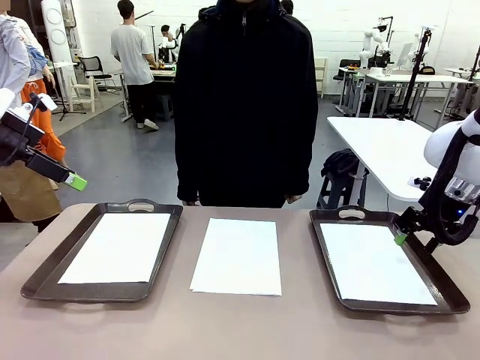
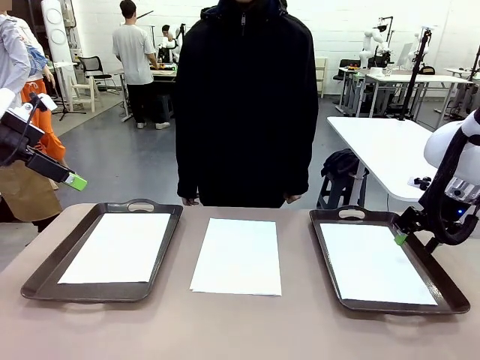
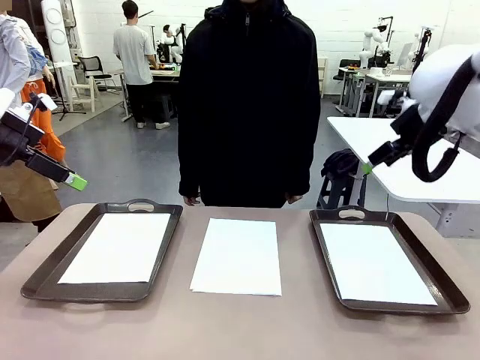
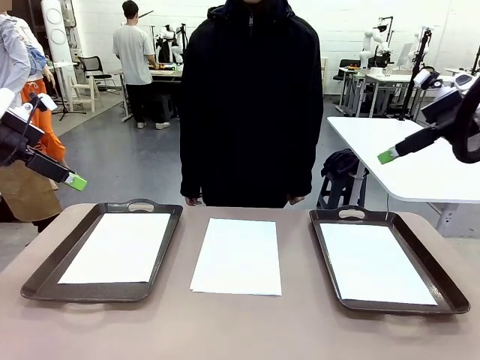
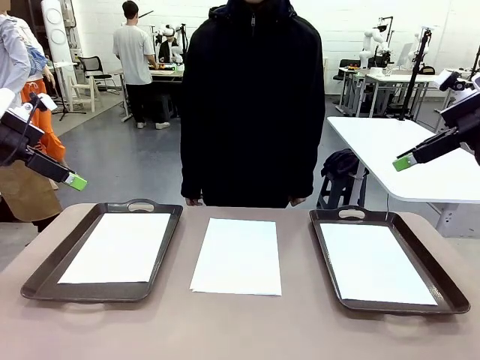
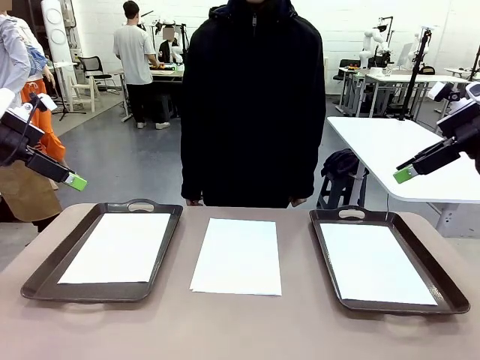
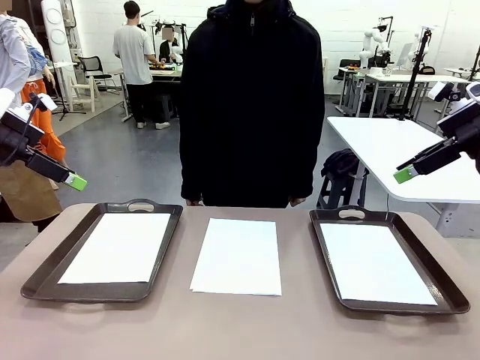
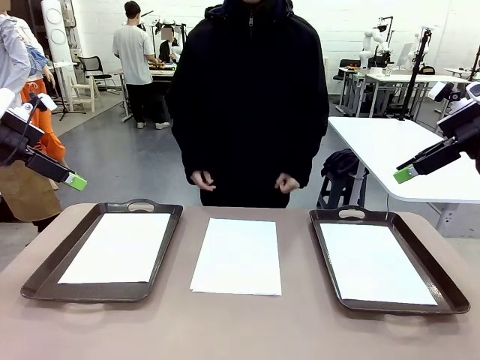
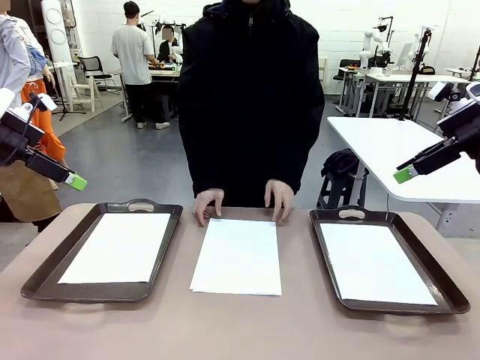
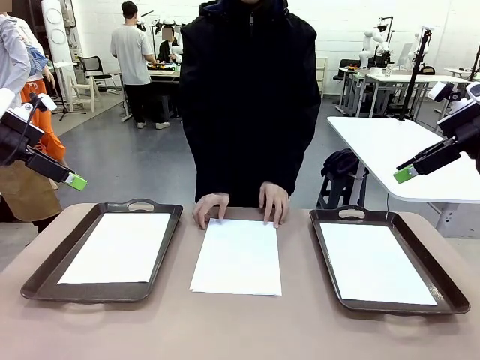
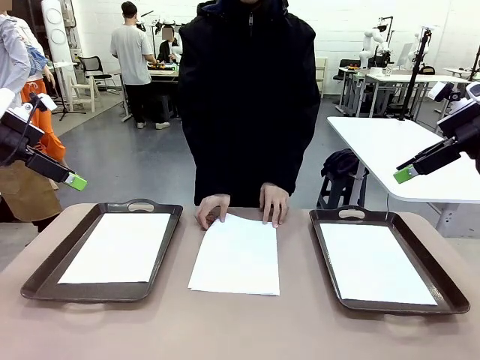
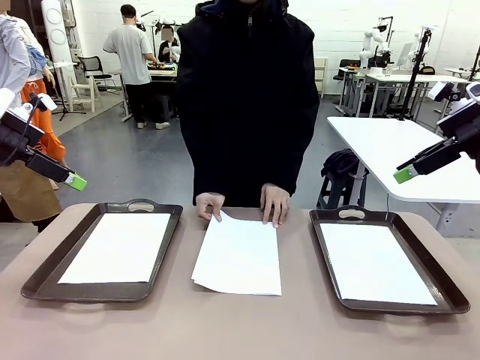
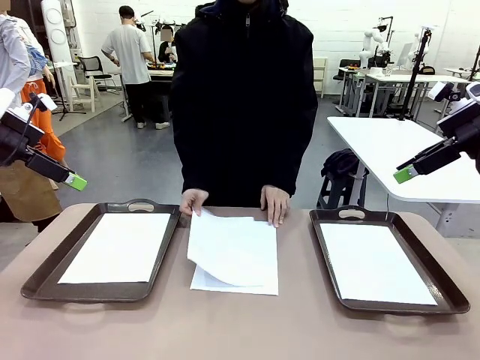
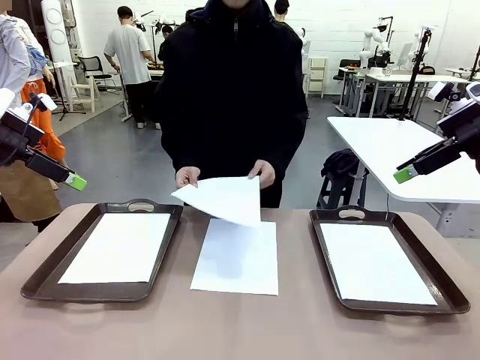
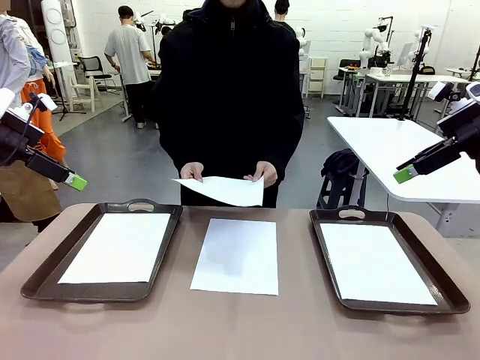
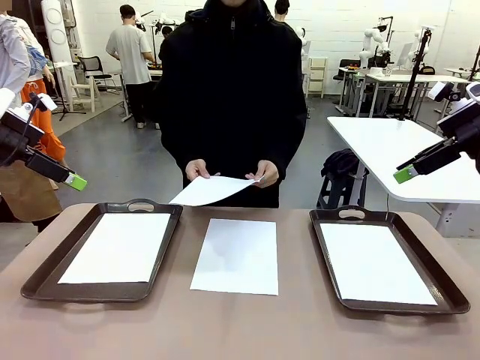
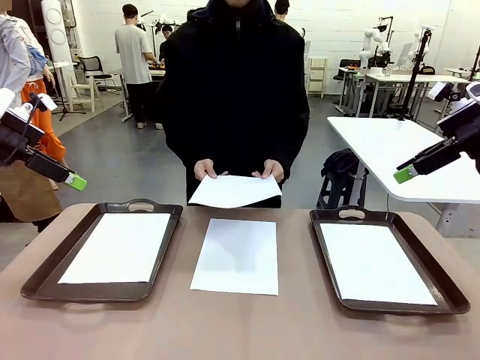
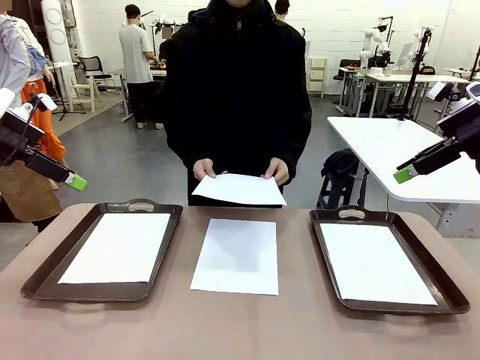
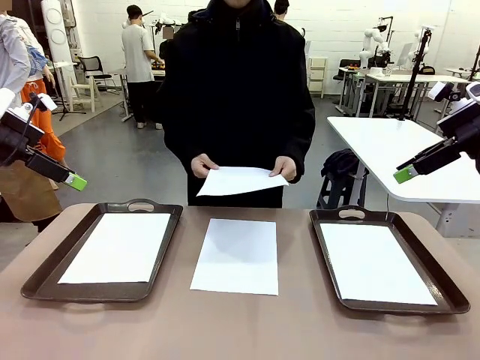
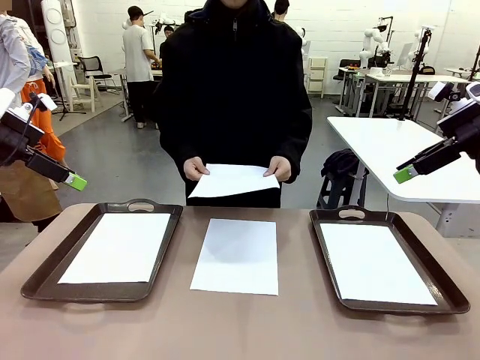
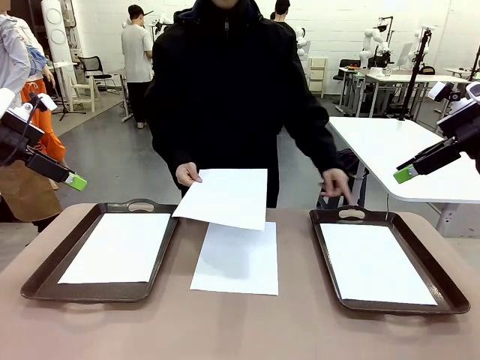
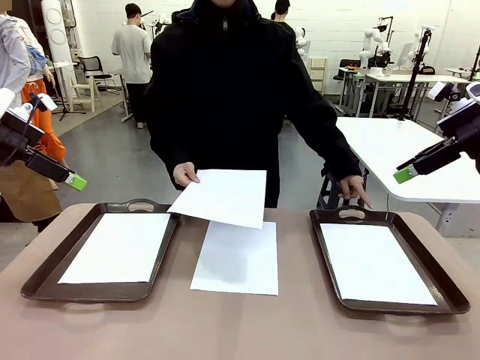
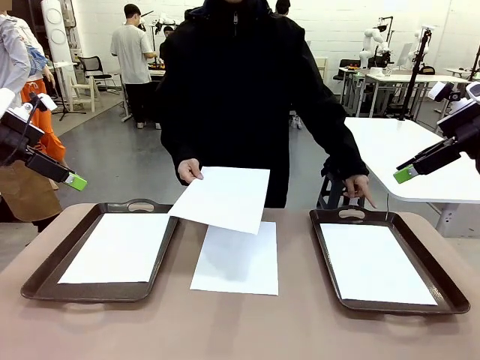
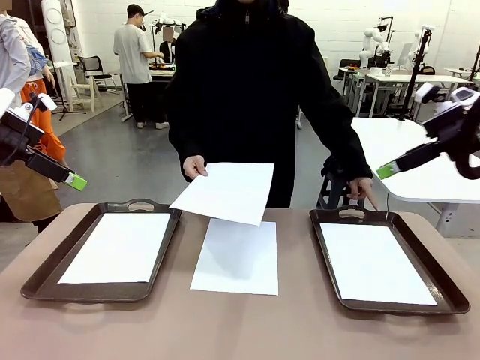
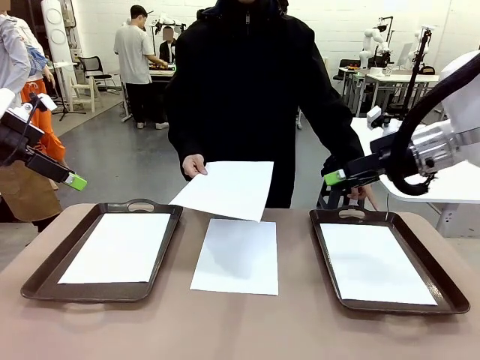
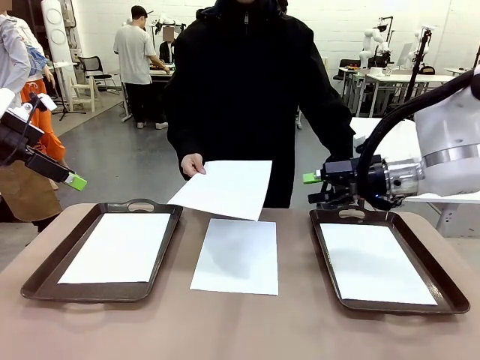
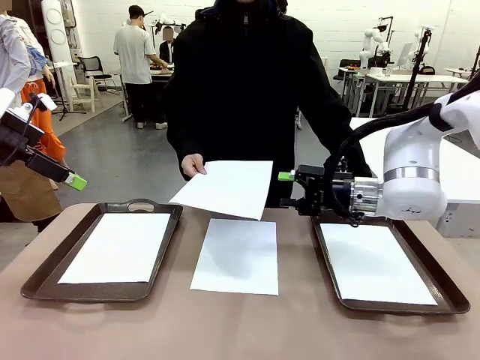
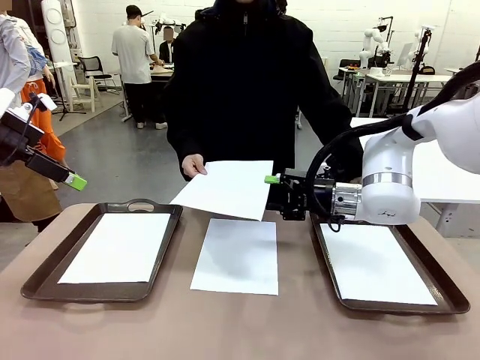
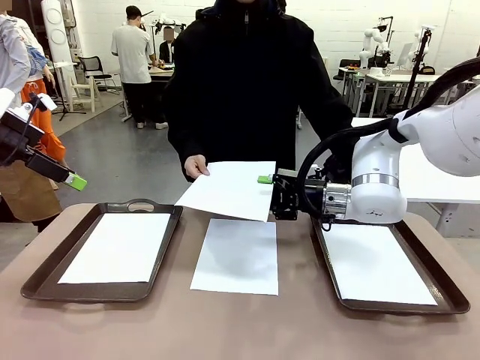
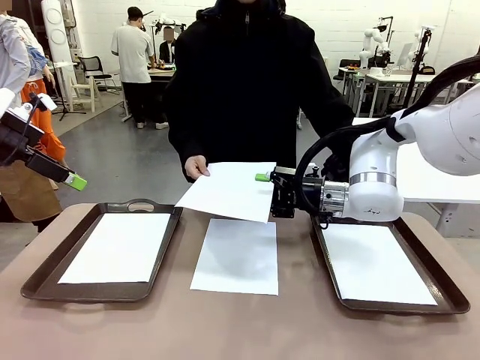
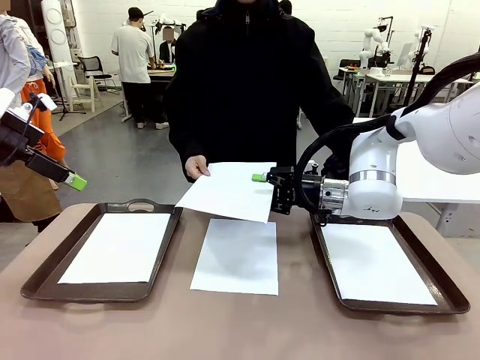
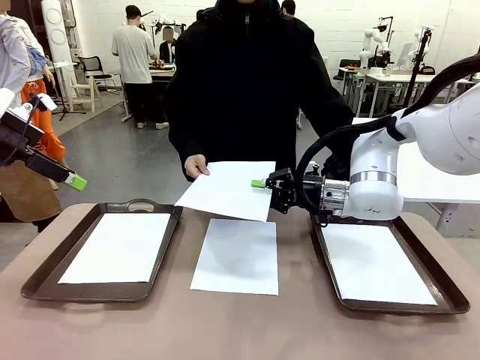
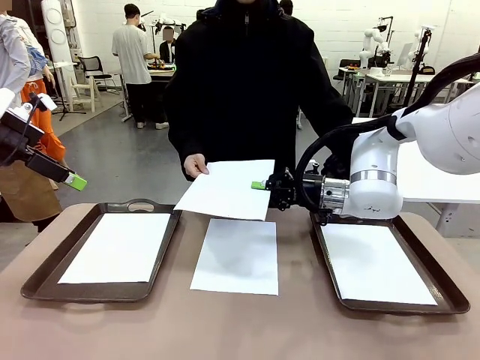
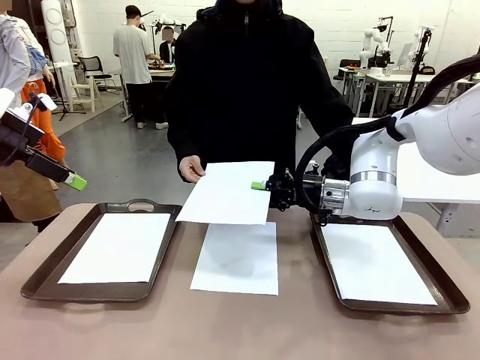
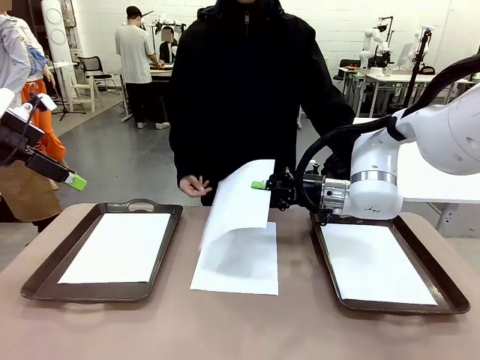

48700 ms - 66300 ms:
Task: Sort the A4 documents.
Robot: Receive the A4 Paper.
Person: Point the randomly selected tray with the other hand.

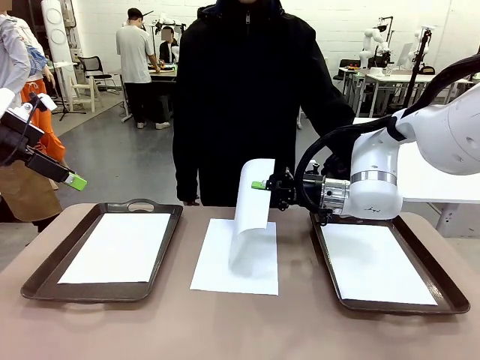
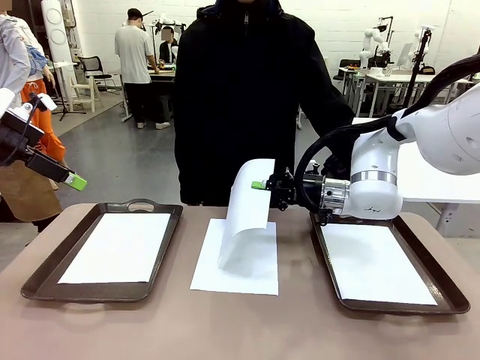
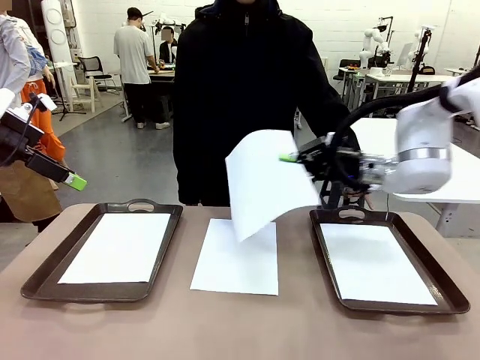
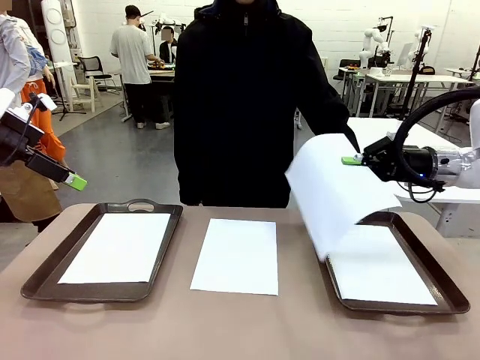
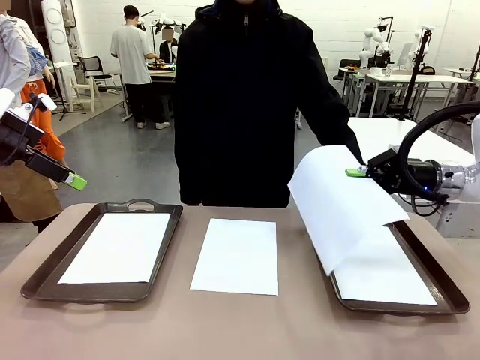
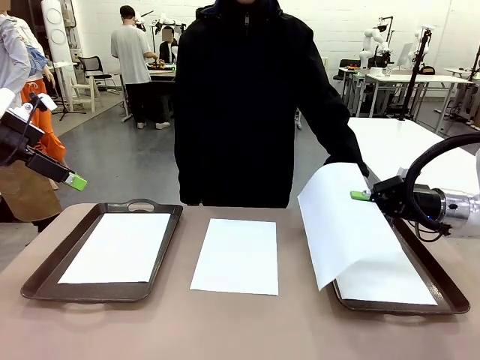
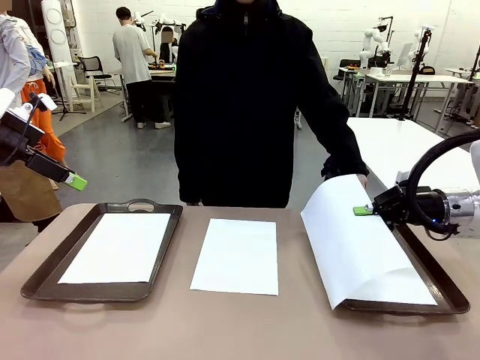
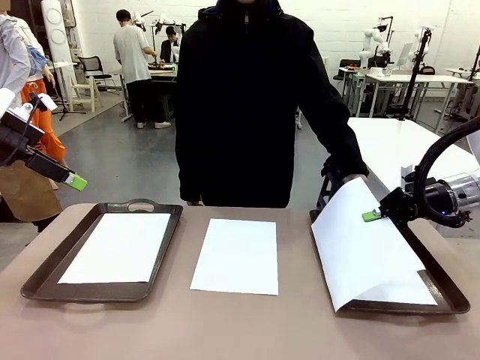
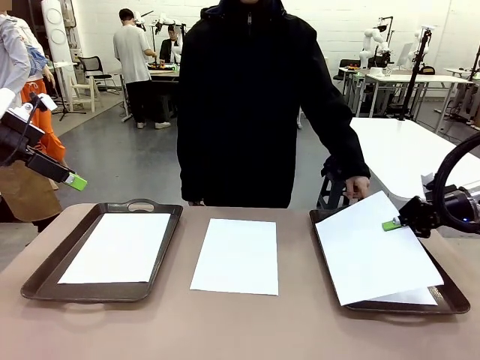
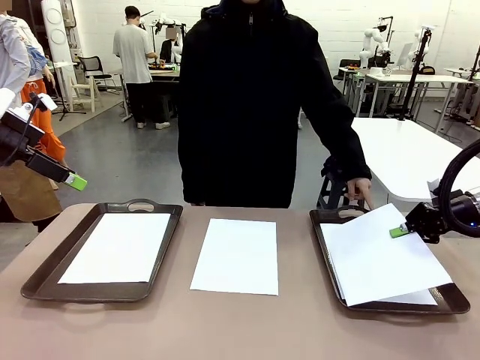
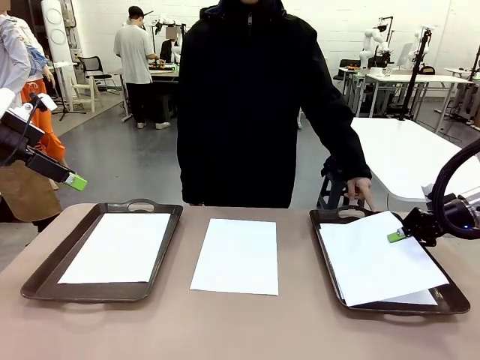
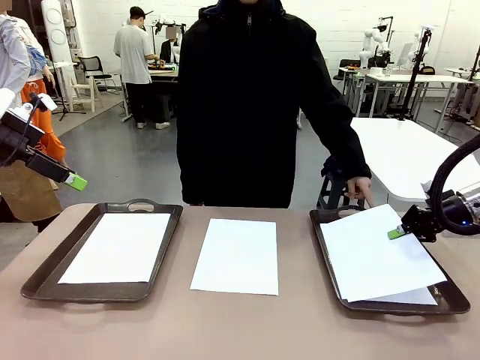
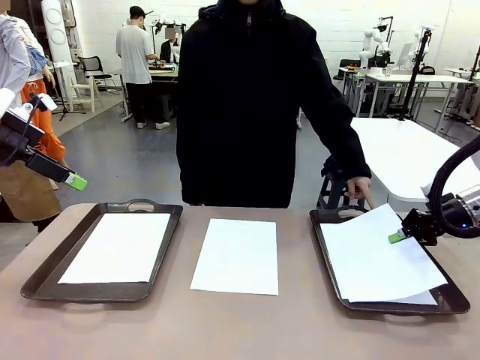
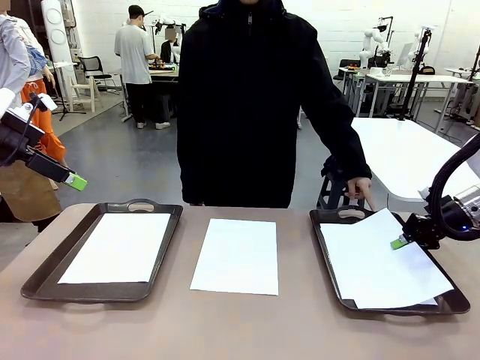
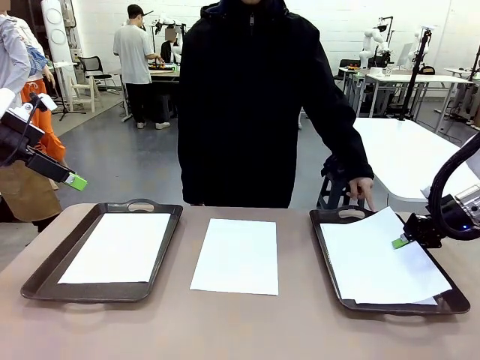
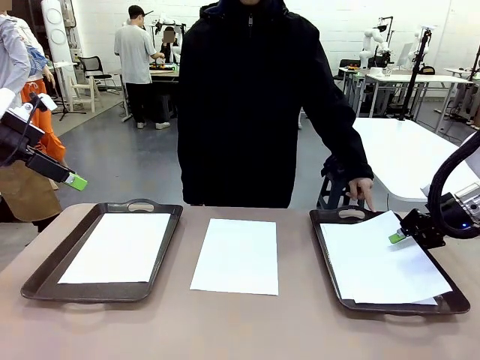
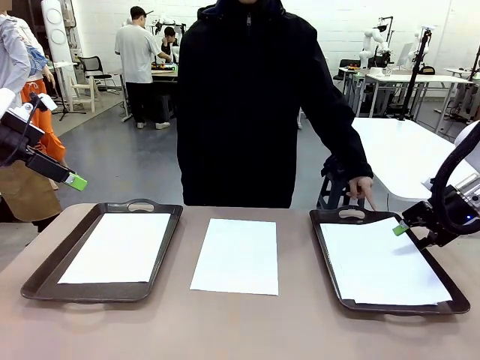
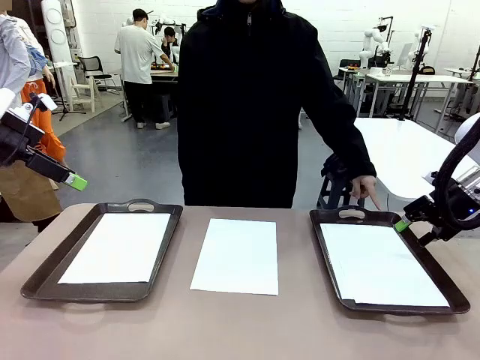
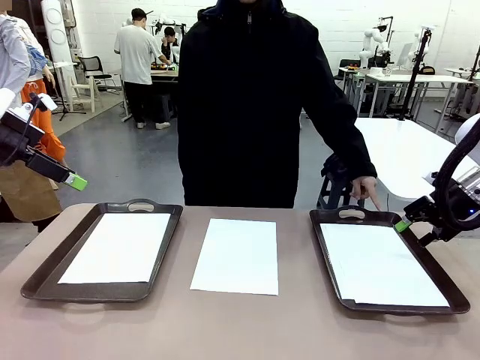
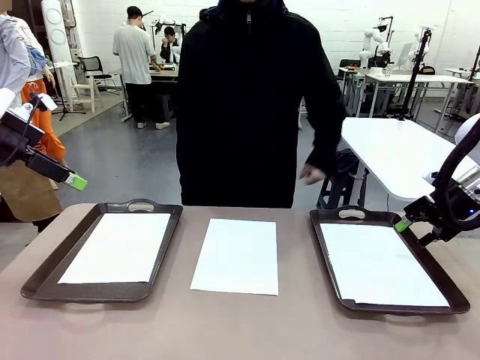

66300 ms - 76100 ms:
Robot: Place the A4 Paper in the designated Handle tray.
